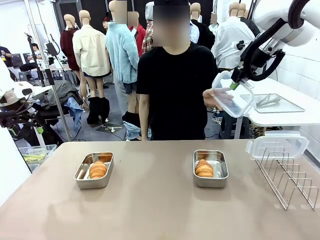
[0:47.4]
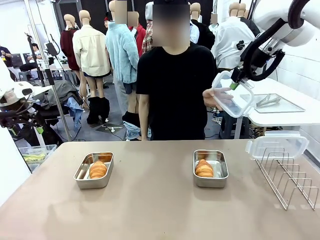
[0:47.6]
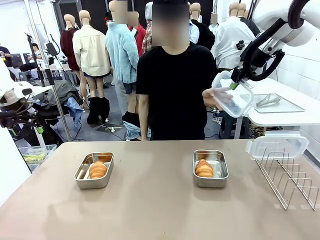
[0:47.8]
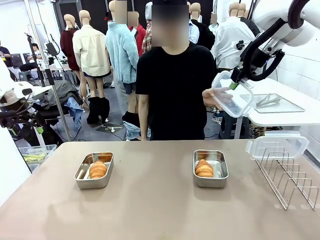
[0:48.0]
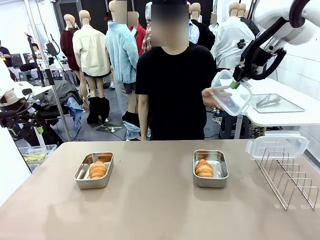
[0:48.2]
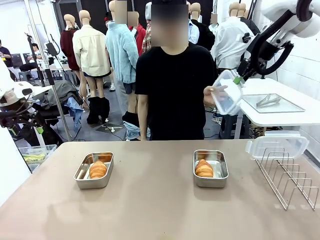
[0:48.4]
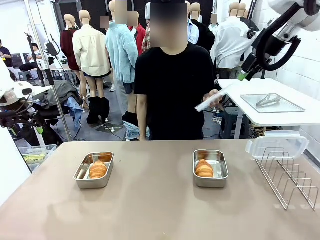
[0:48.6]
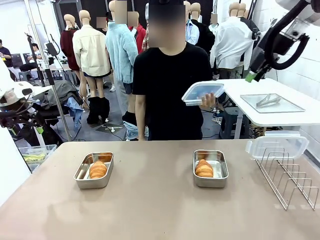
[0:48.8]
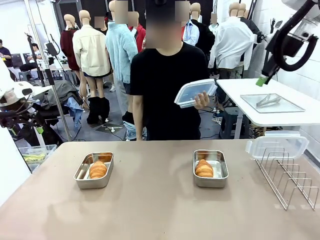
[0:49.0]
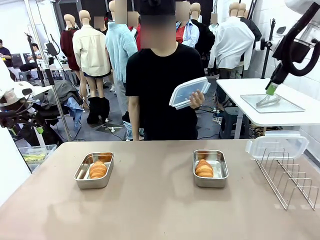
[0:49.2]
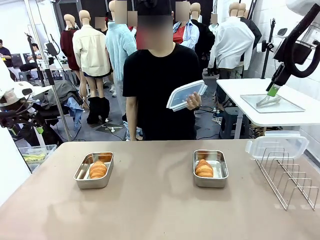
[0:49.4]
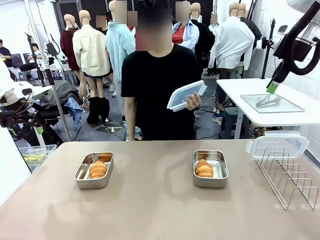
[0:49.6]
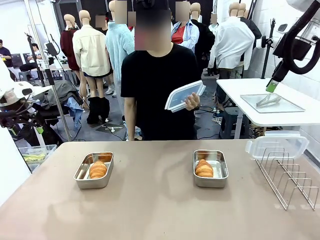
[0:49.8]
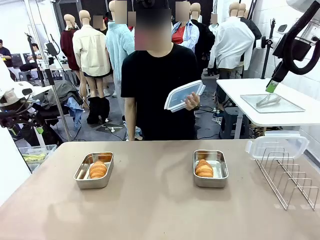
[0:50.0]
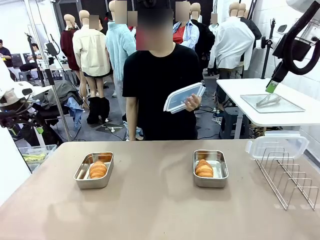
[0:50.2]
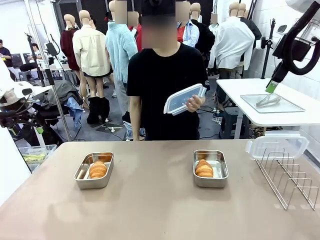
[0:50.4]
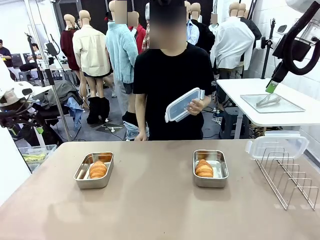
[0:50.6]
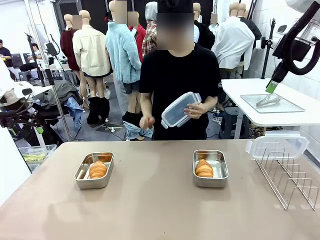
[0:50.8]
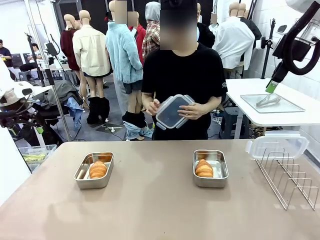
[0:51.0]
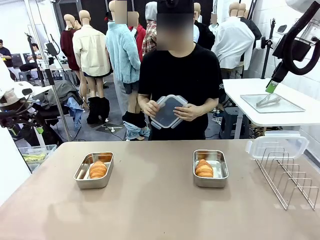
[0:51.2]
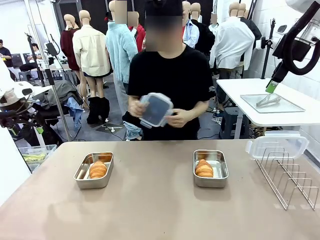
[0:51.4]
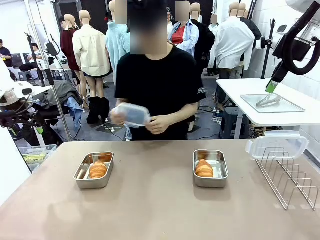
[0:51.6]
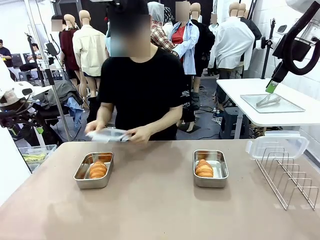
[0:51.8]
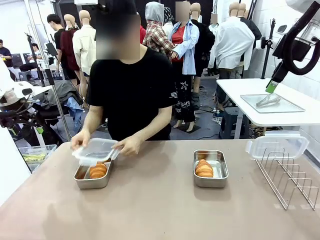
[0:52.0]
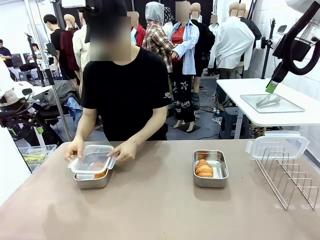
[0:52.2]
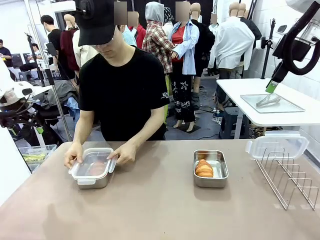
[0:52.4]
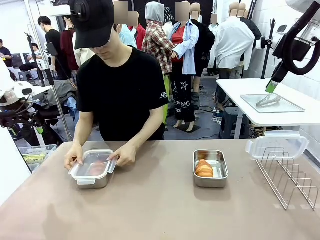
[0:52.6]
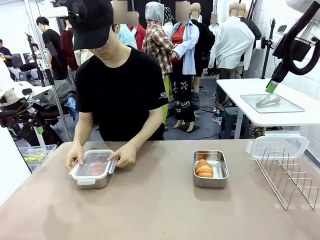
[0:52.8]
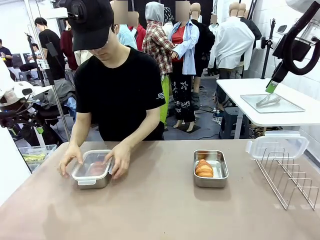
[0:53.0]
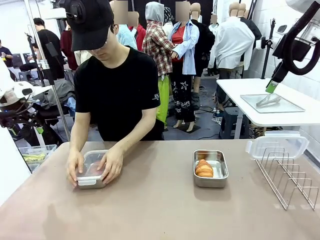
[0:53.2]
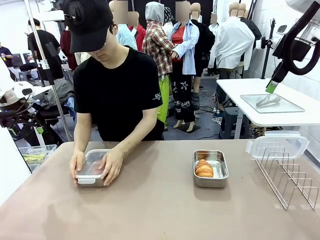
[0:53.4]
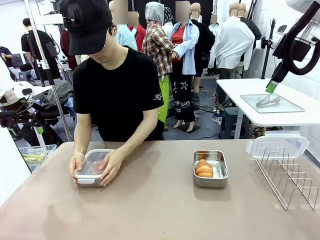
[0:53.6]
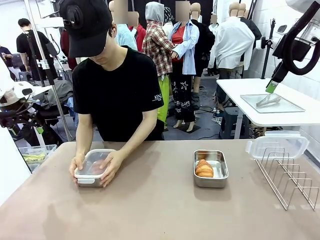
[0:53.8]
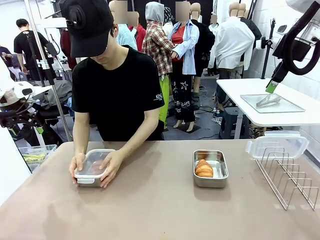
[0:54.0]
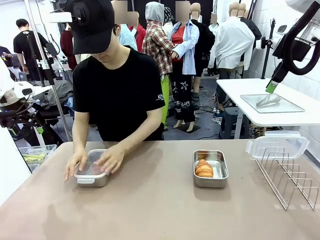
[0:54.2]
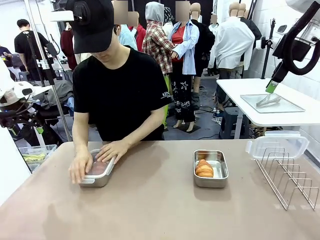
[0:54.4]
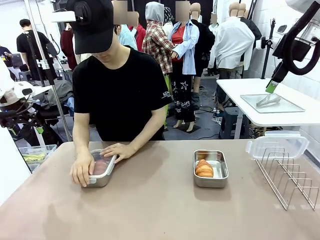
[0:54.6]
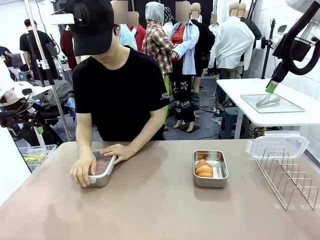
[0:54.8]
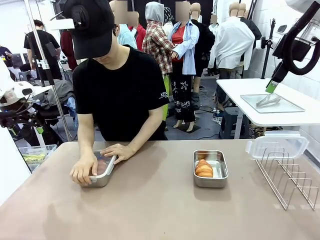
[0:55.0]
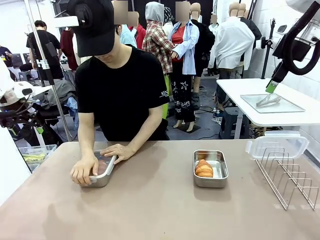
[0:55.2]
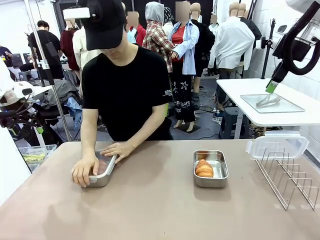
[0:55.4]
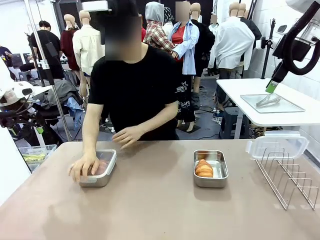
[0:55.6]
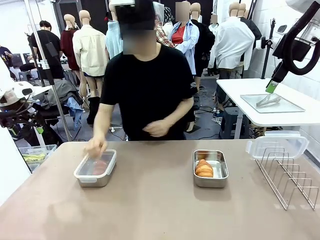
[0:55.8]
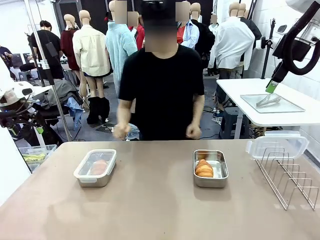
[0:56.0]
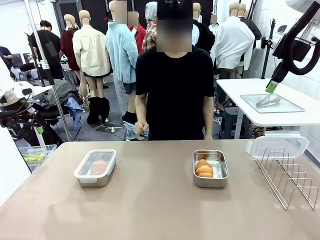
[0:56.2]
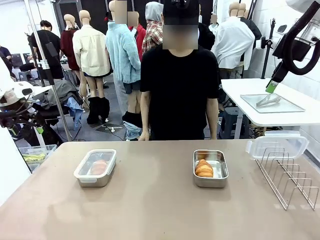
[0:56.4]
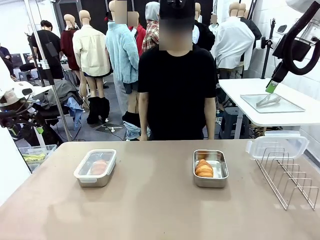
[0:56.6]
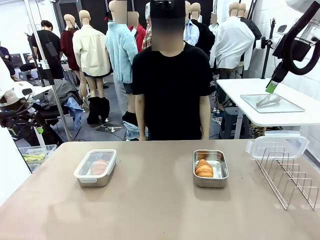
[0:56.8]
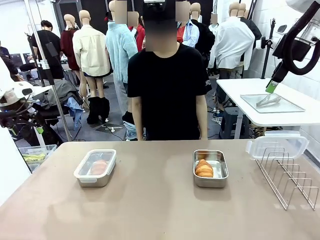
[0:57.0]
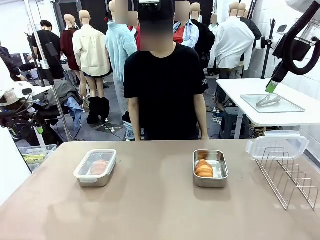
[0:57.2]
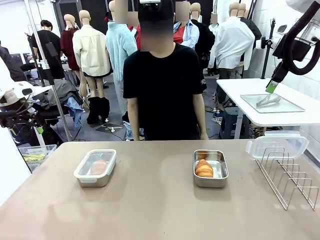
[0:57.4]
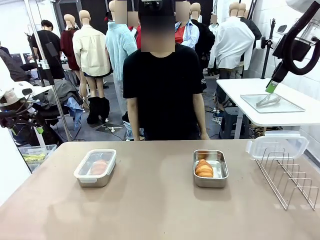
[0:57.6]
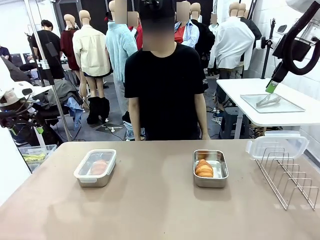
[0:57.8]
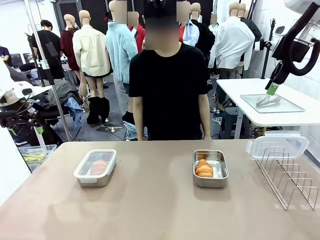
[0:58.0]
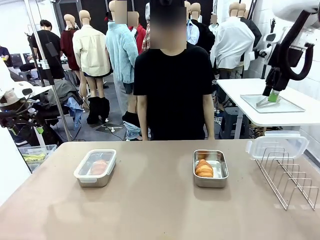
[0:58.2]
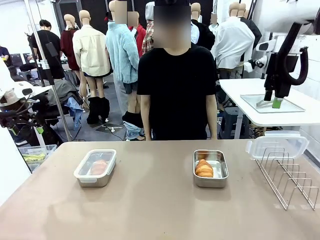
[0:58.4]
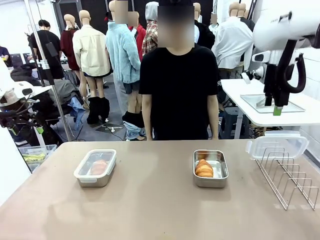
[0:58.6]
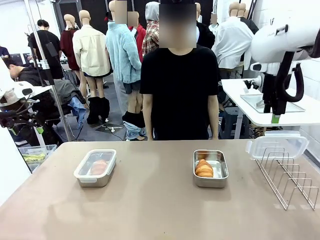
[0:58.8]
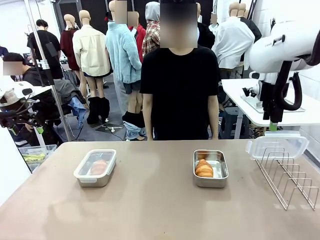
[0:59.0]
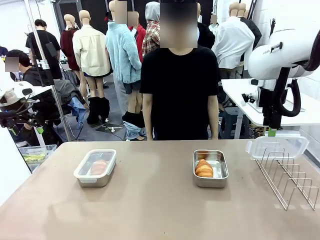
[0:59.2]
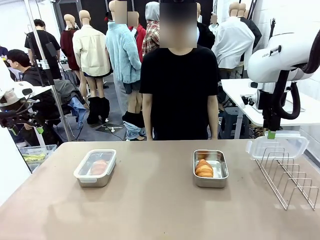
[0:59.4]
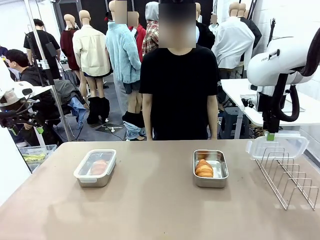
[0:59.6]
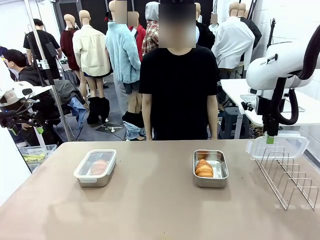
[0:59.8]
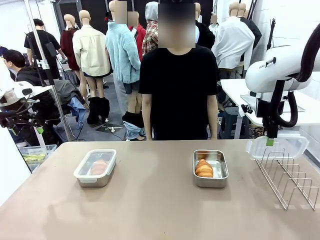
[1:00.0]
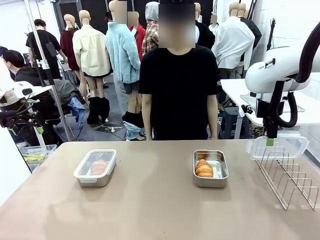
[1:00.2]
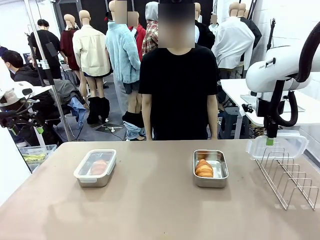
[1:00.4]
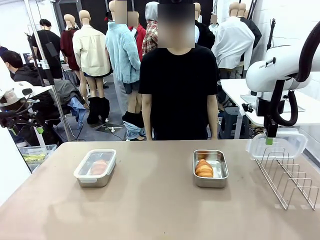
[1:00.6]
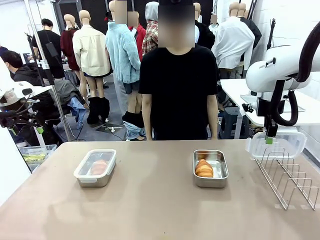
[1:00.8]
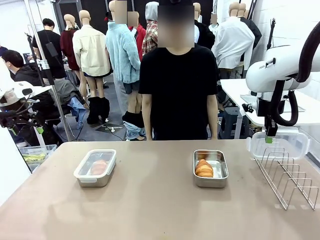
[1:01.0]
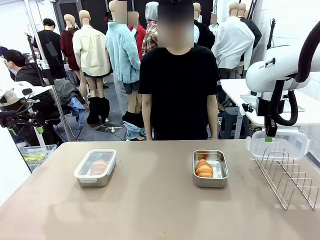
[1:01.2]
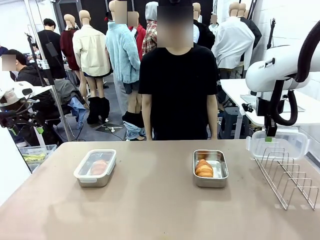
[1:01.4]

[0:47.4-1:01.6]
Task: Place the bread in airtight containers.
Robot: Pick up one Airtight Container lid and hand it to the human.
Person: Close Airtight Container with a handed Airtight Container lid.

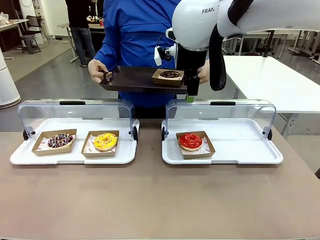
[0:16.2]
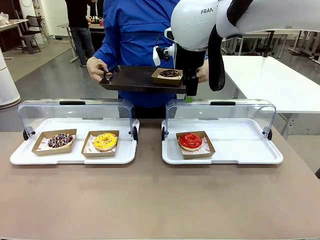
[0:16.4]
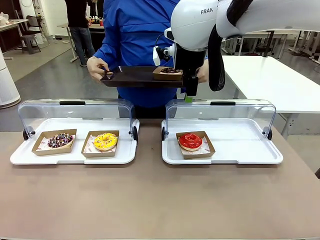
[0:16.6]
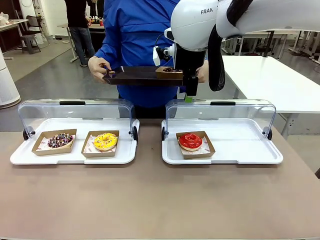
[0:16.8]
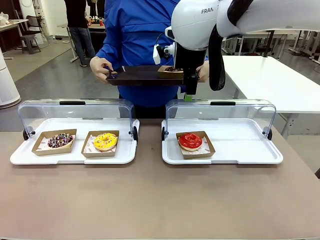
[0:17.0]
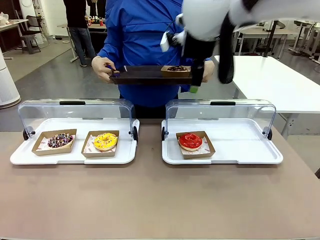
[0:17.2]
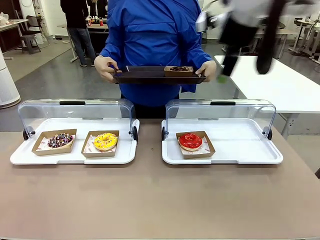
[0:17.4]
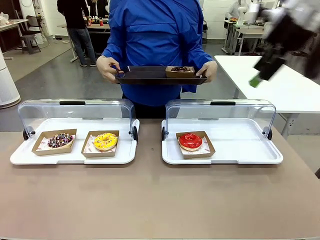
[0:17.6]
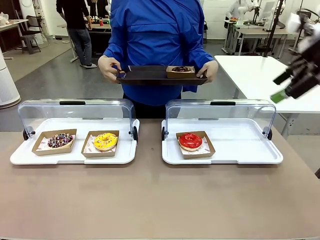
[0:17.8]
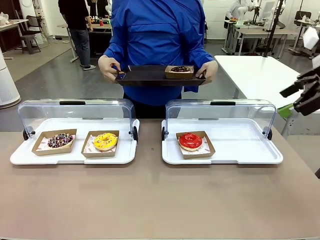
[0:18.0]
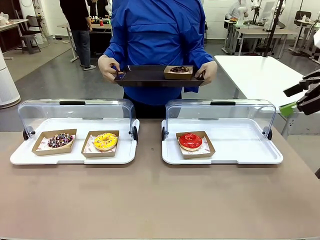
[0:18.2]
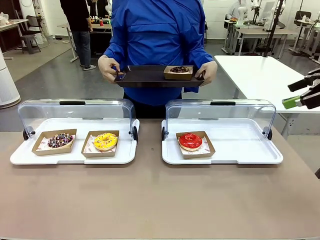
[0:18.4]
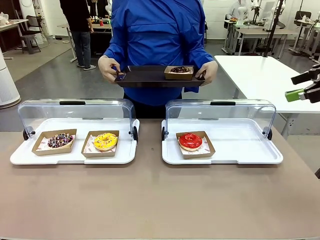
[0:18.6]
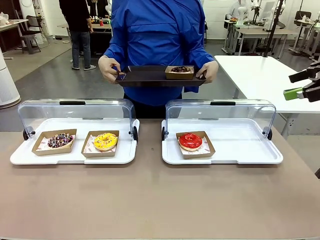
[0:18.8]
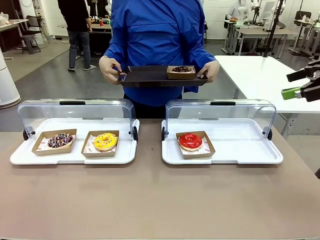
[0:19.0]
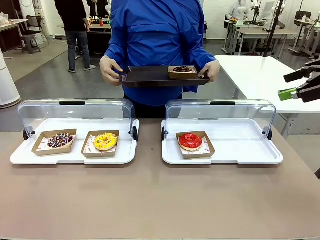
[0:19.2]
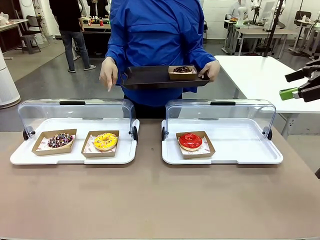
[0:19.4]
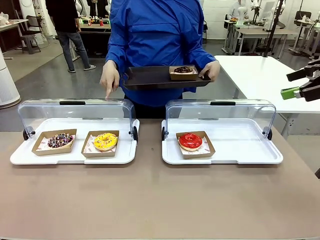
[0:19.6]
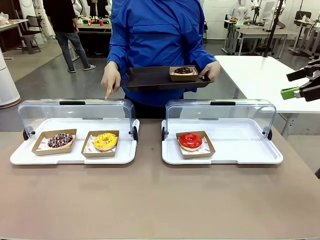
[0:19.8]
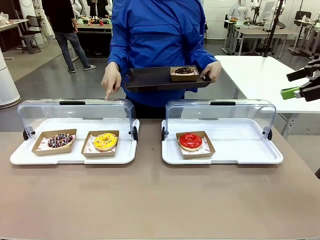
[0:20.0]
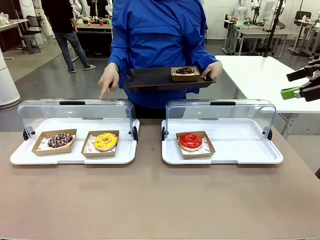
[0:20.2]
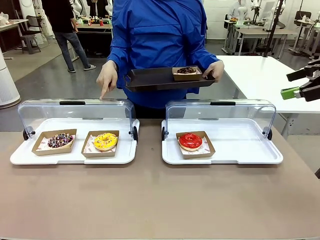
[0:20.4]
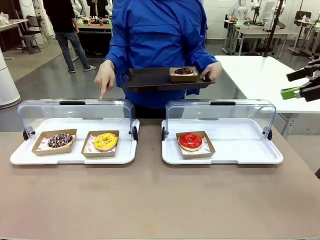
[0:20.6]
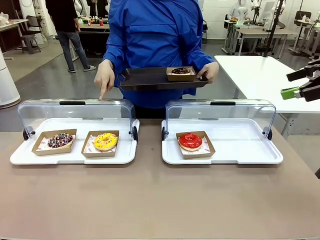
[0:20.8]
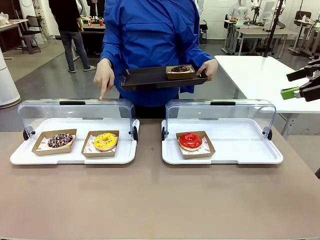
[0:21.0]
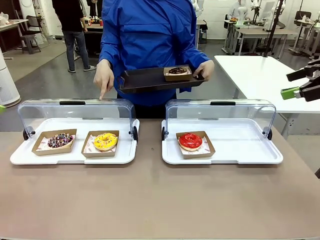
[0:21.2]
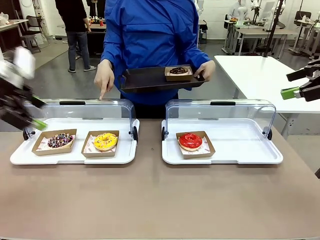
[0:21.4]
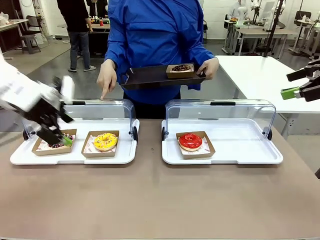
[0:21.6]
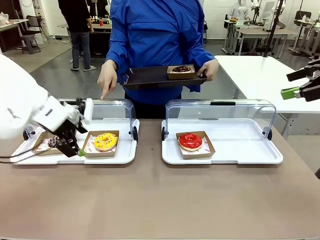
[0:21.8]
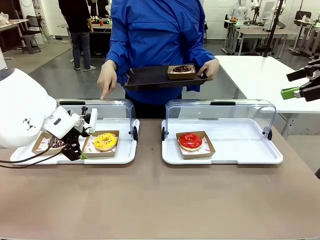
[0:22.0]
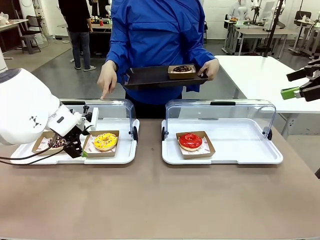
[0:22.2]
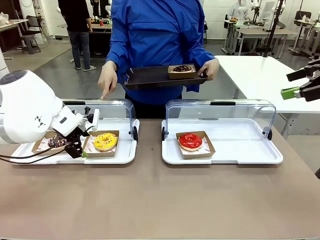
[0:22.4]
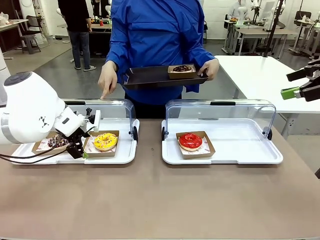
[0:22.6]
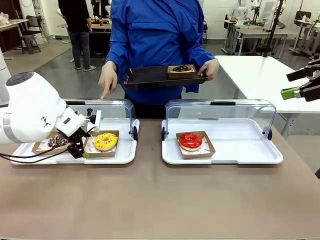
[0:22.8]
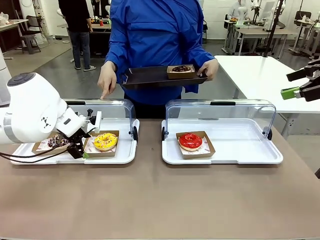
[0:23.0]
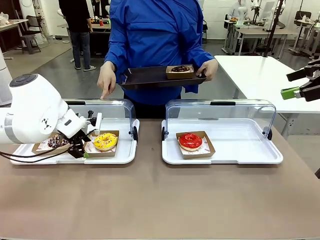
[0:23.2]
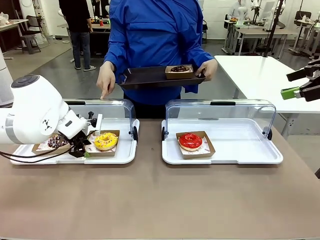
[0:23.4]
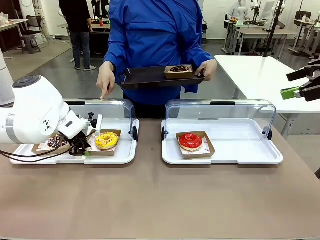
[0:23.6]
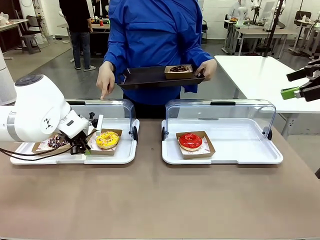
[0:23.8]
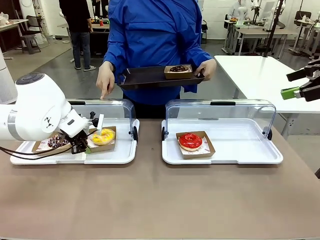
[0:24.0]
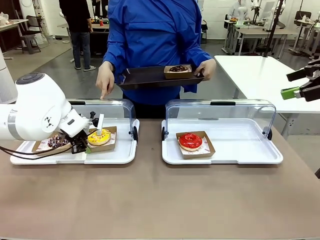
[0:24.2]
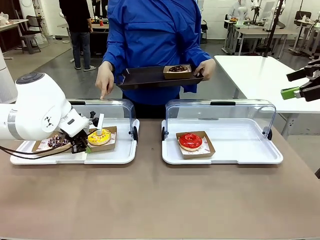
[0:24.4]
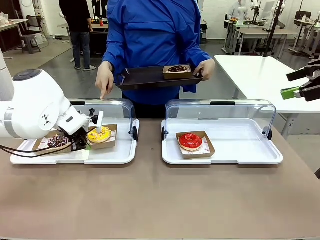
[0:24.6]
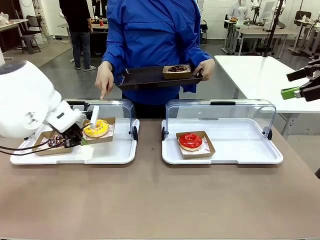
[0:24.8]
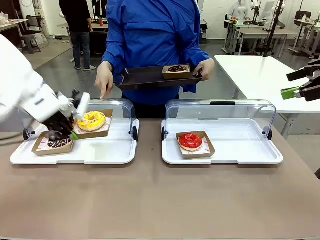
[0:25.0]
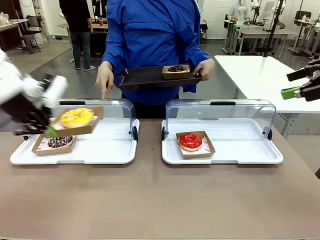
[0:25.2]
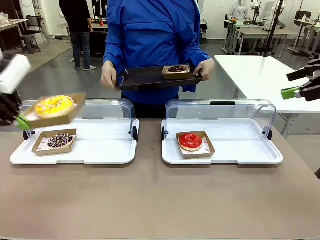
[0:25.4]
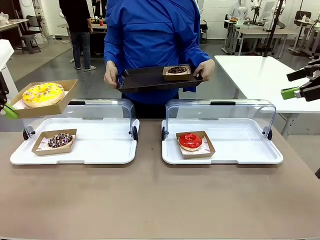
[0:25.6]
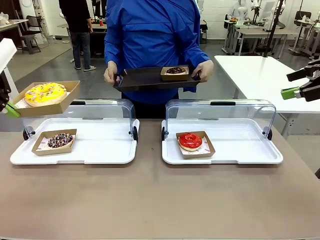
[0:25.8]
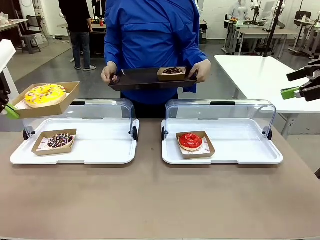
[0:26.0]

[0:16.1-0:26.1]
Task: Provide the desired donut to the person.
Robot: Pick up and lift the Paper togo box containing the Donut pointed at by the person.
Person: Lift the tray onto the Roll-Top Bakery Case.
